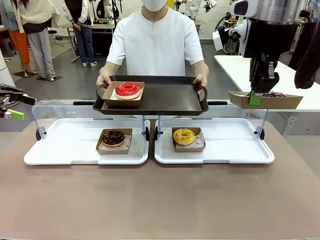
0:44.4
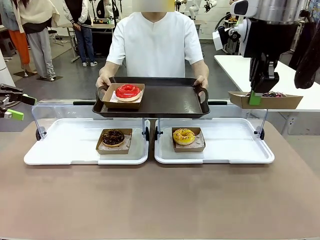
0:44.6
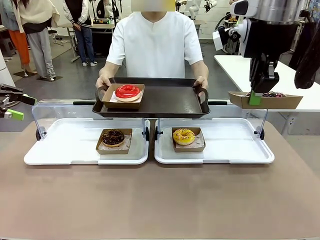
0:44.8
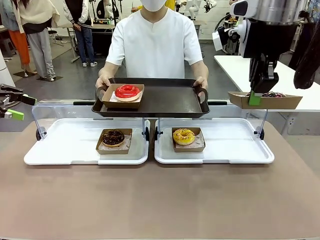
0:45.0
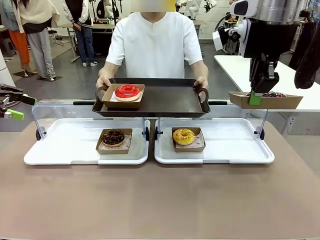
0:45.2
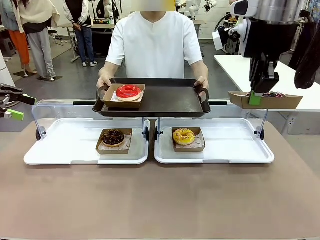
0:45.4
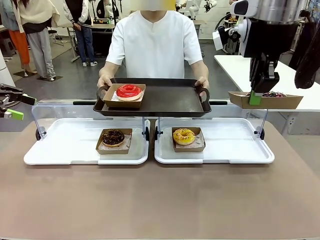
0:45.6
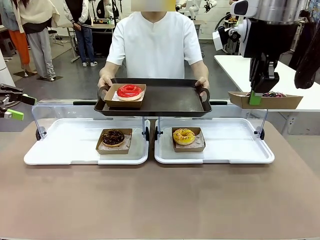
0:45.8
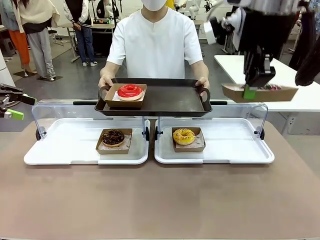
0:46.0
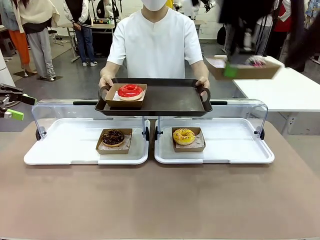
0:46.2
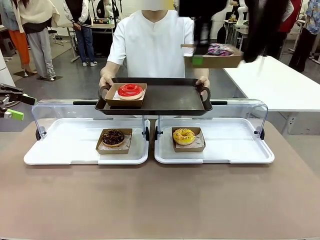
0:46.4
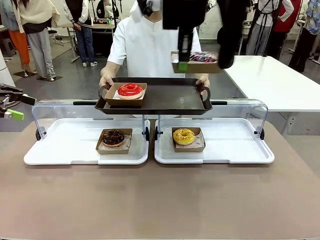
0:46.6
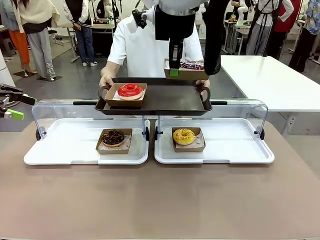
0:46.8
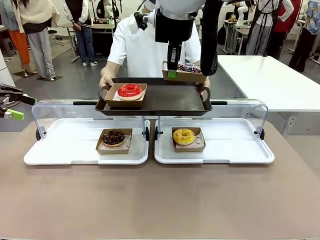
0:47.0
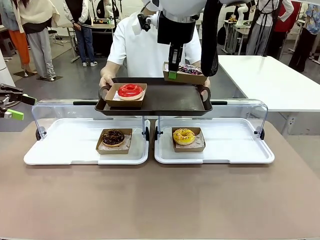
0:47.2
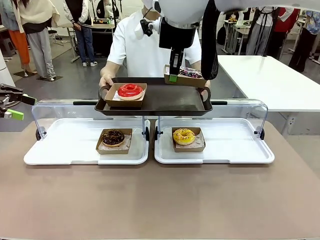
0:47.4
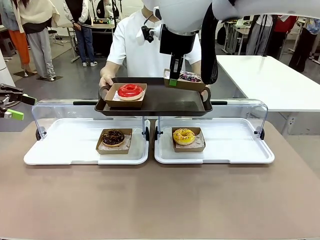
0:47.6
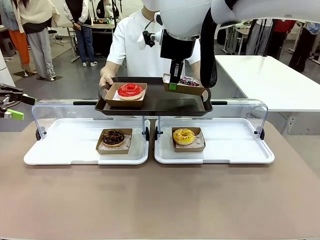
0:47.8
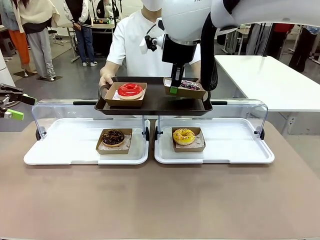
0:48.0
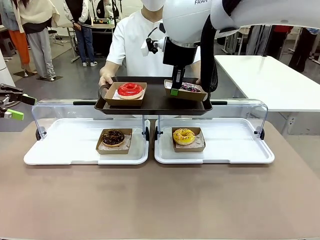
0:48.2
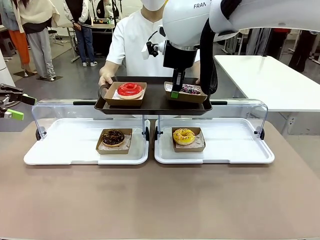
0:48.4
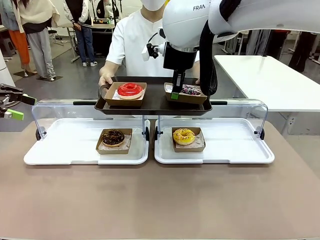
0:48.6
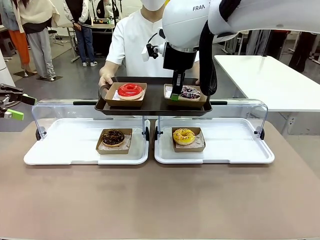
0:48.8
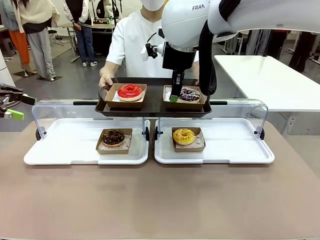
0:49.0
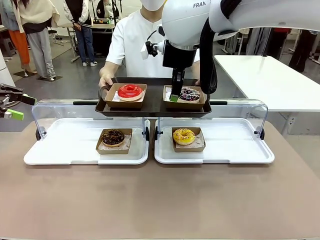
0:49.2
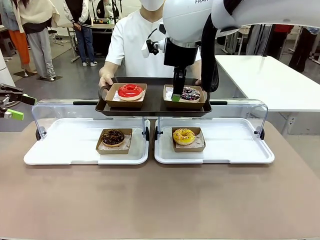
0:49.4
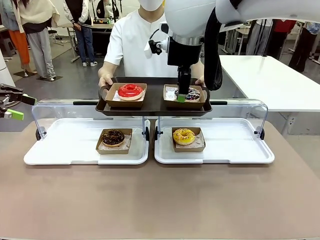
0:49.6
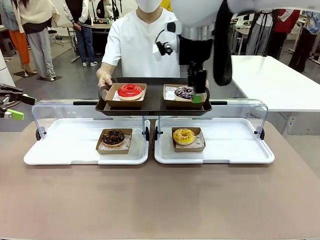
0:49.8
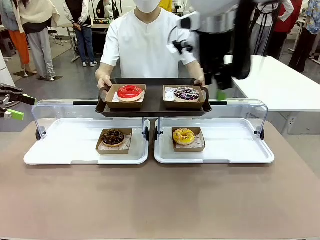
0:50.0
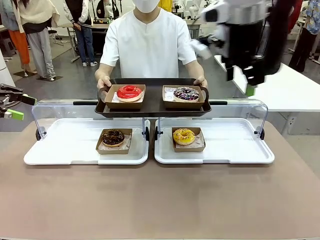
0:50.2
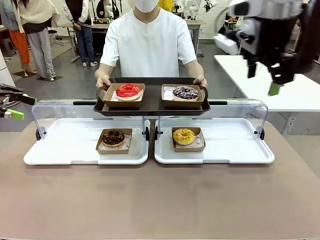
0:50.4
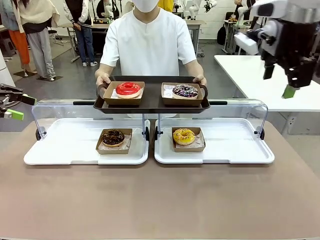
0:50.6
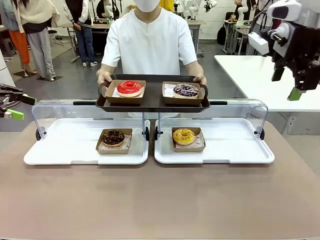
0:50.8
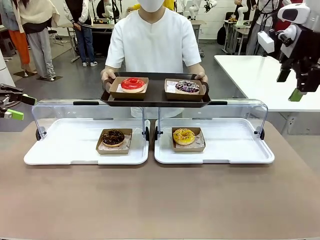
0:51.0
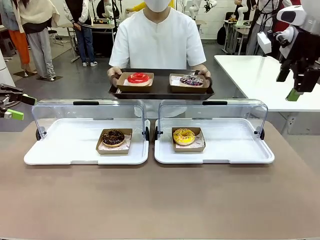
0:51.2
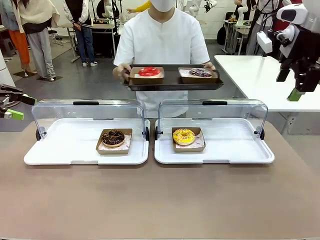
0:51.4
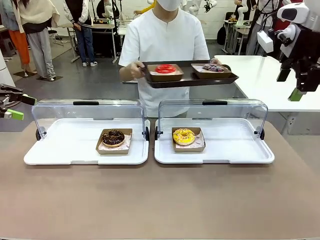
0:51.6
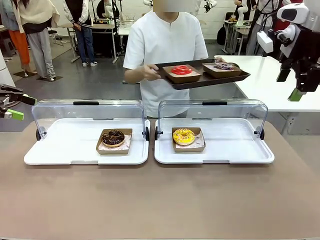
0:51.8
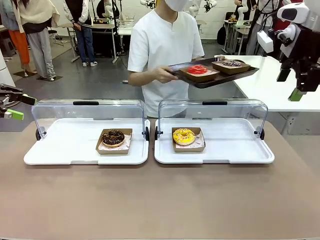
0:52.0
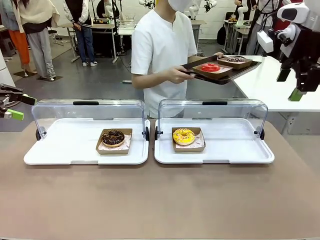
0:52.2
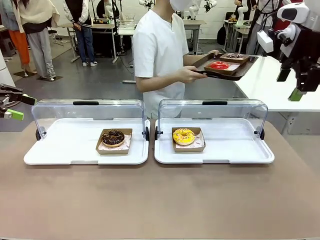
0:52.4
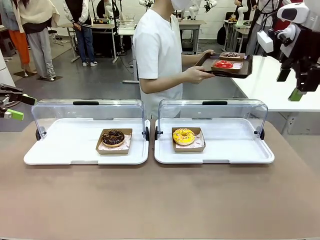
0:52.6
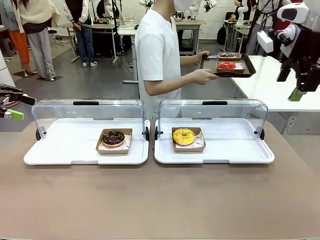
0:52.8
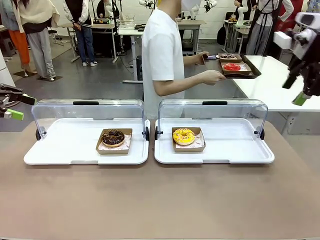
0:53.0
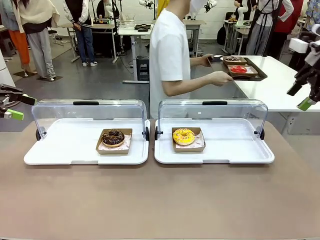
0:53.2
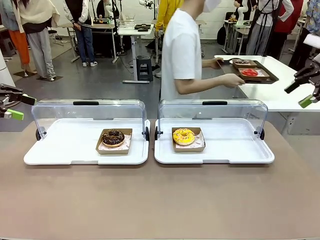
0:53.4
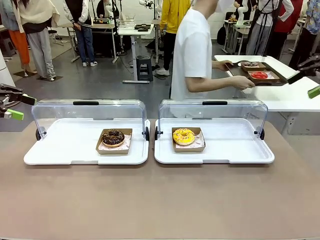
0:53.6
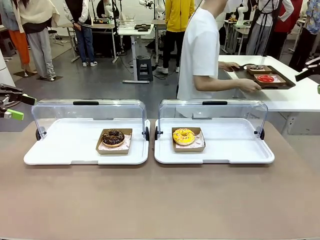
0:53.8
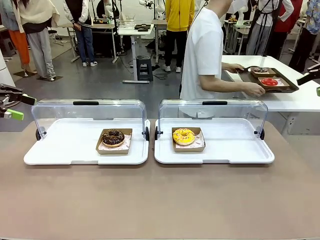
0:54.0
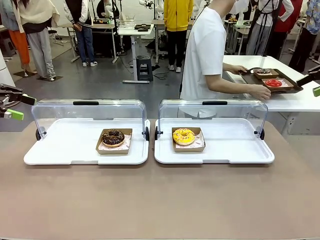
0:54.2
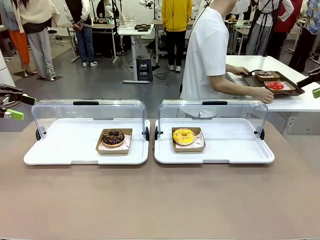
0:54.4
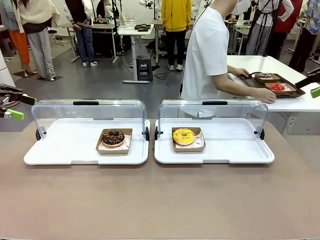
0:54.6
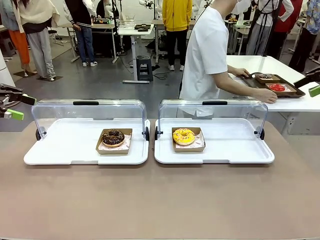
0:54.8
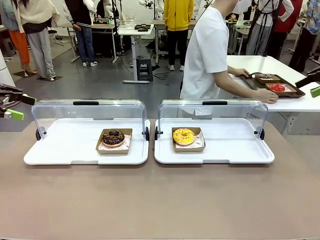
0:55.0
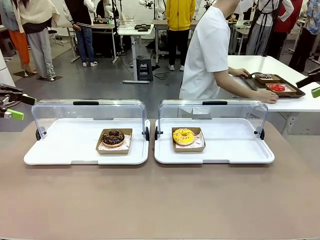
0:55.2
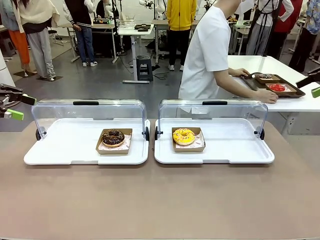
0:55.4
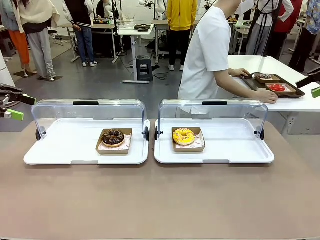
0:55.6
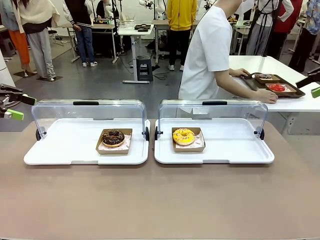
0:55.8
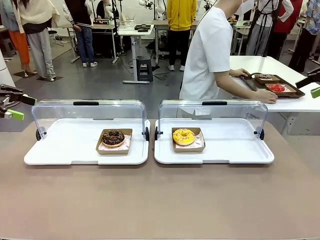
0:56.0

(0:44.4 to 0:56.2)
Task: Provide the desired donut to the person.
Robot: Place the picked Paper togo box onto the Handle tray extended by the person.
Person: Place the tray in the middle of the human table.

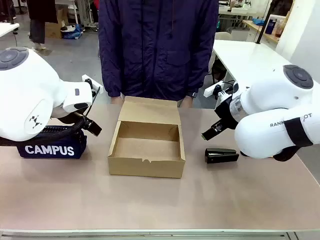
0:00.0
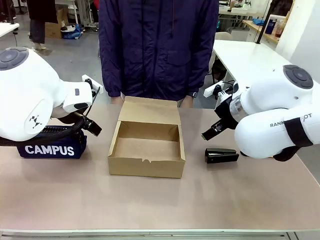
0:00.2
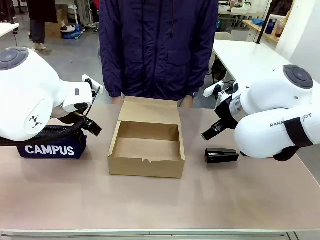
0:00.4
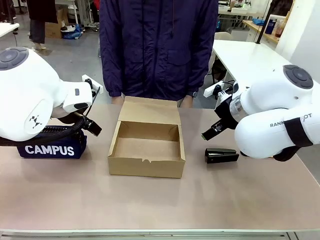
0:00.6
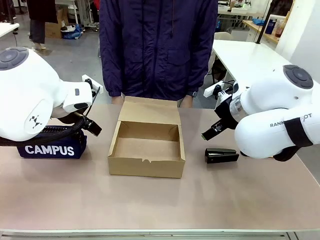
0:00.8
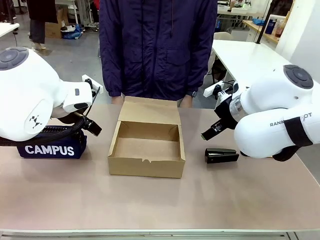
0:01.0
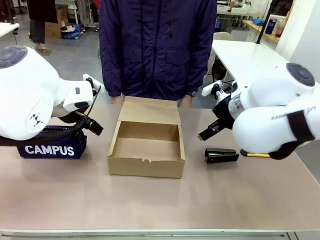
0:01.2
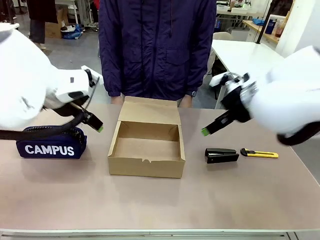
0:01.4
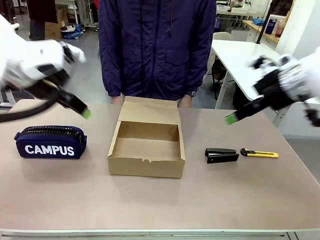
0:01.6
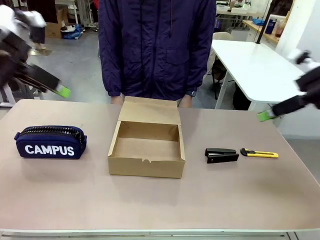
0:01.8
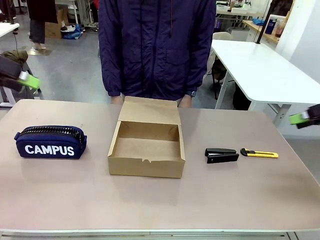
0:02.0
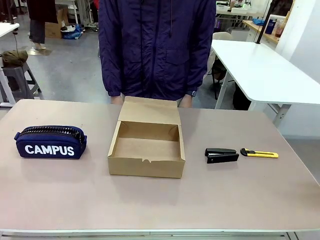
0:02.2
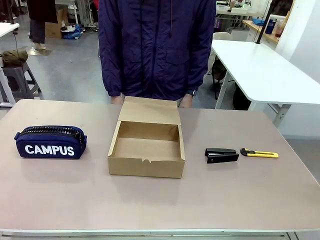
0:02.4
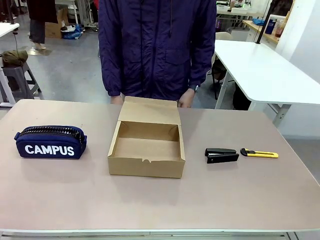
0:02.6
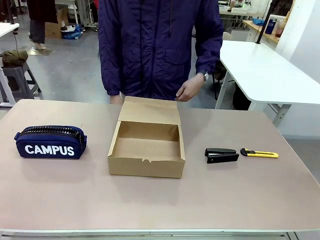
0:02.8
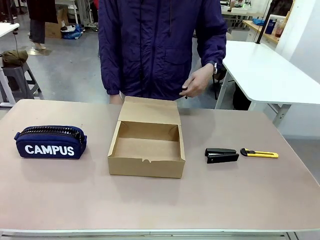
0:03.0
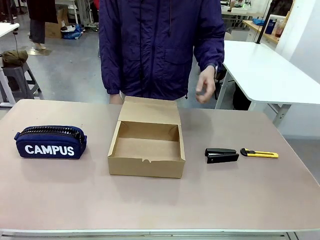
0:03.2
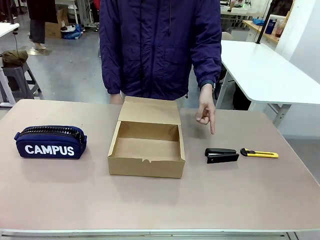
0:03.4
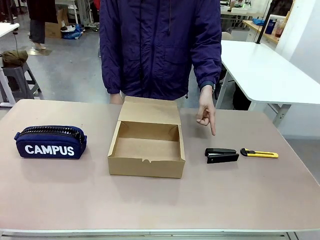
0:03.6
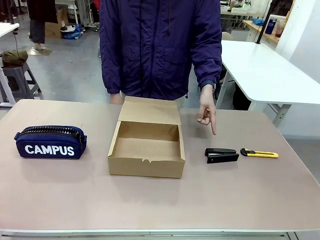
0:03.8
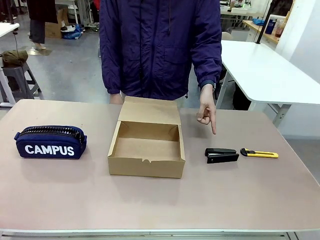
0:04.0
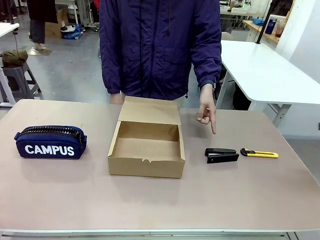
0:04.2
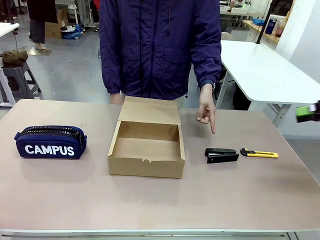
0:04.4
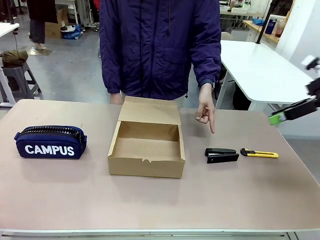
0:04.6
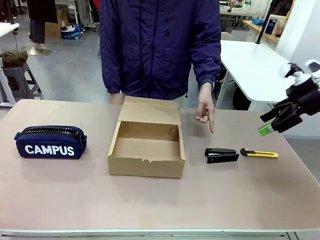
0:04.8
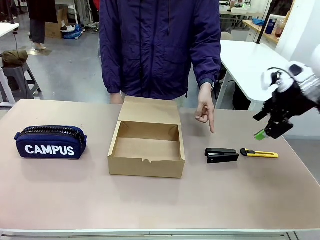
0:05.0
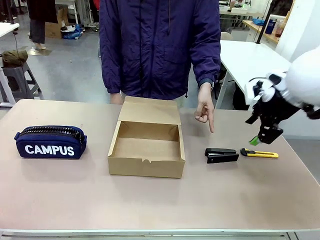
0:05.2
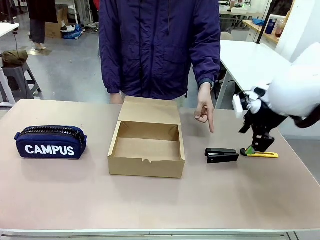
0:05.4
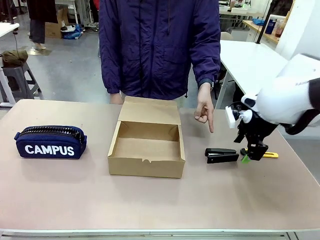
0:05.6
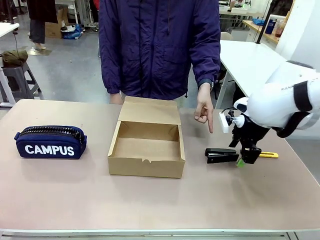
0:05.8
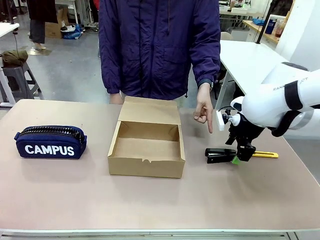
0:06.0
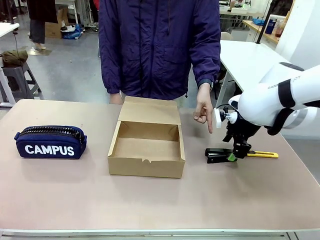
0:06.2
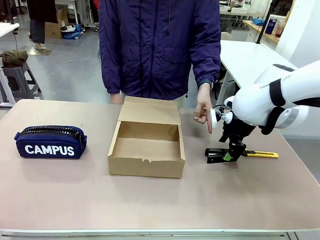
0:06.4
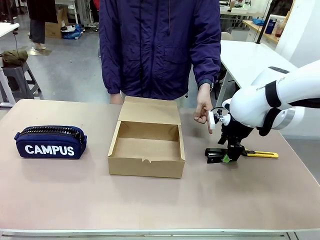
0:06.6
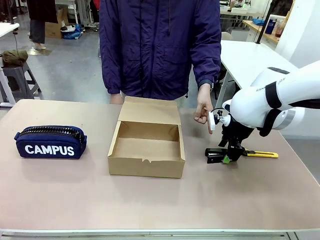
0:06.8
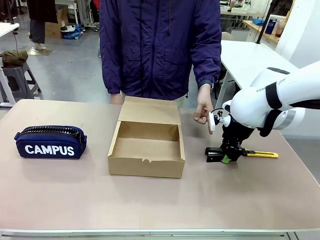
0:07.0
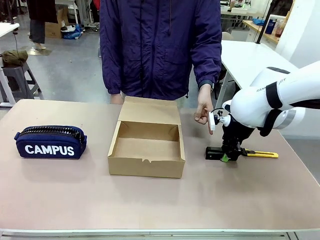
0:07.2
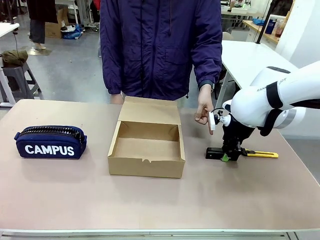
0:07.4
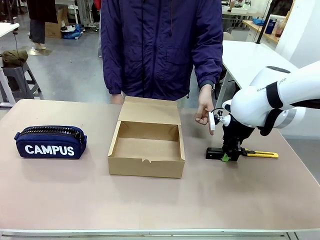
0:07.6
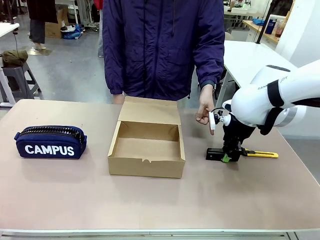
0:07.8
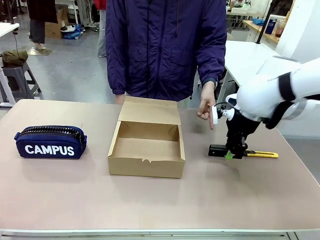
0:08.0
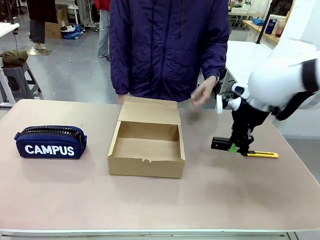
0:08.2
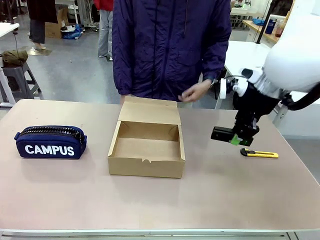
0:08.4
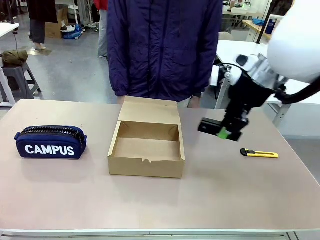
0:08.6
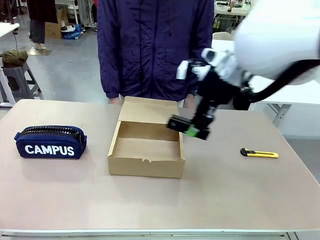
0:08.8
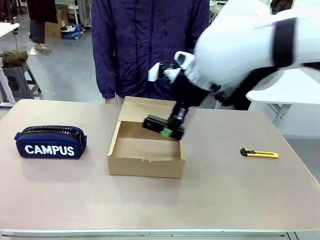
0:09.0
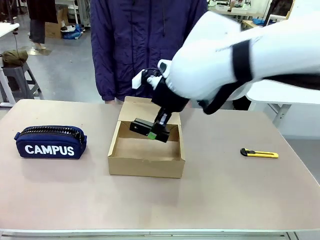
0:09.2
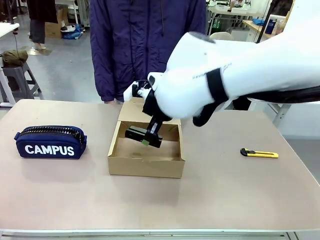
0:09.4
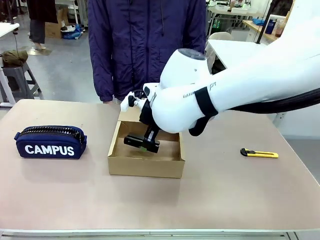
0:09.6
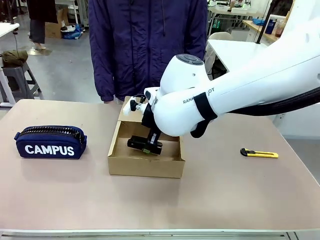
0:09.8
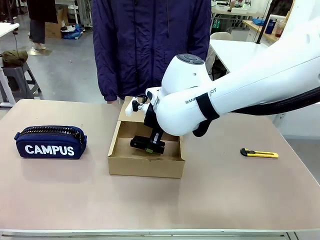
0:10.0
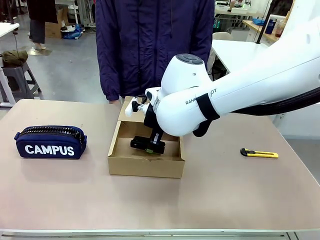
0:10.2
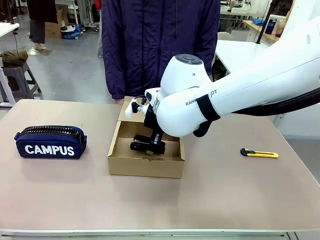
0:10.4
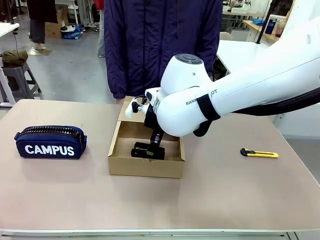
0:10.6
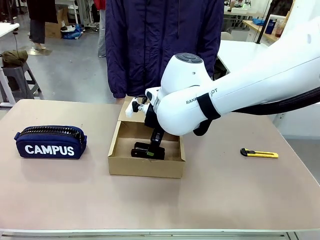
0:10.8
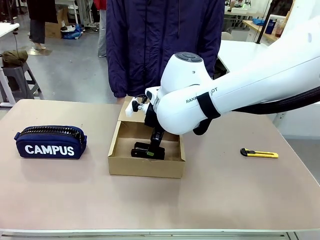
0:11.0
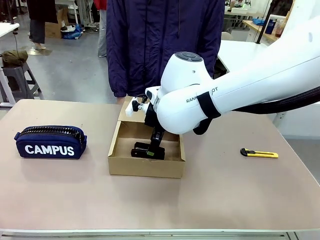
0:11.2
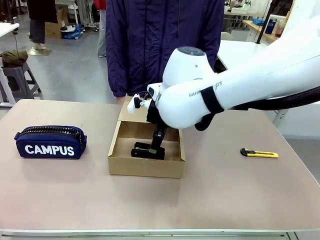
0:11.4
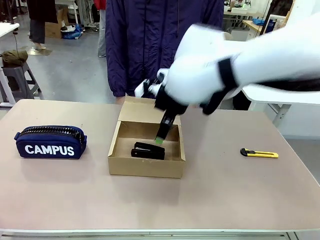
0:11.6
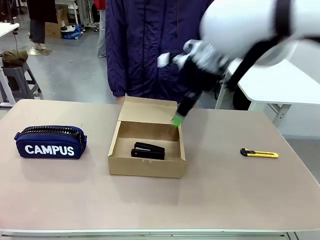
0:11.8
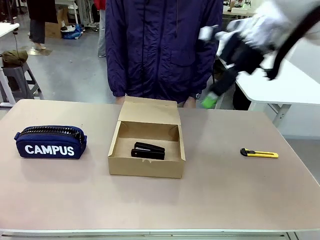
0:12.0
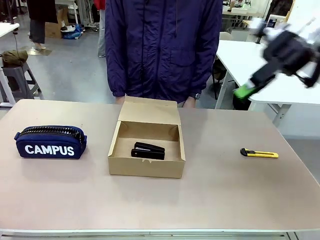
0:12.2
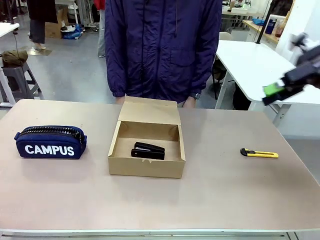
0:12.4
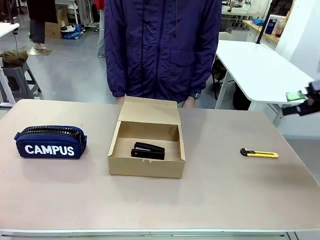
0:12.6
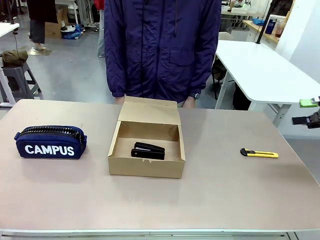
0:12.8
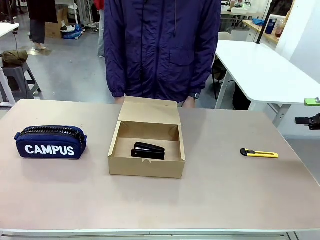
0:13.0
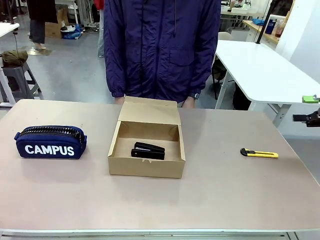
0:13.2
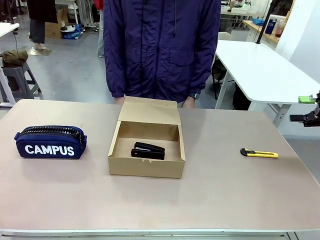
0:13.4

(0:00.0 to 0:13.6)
Task: Pack the item into the box.
Robot: Pick up the item indicated by the person and place it inside the Mailer Box.
Person: Point at one item on the table (excluding the box).
